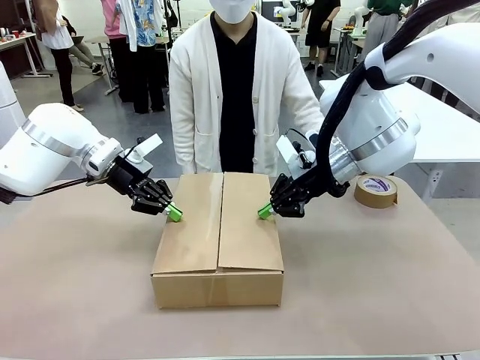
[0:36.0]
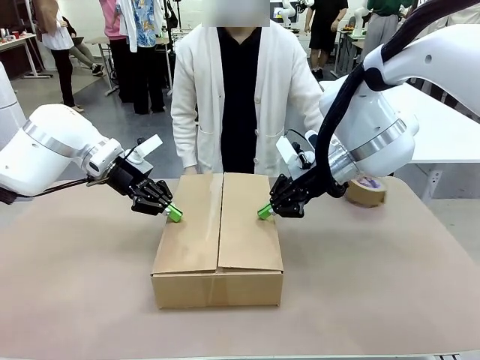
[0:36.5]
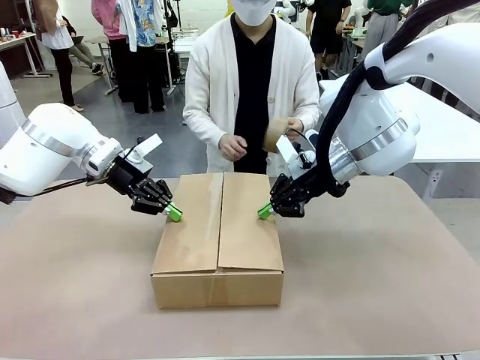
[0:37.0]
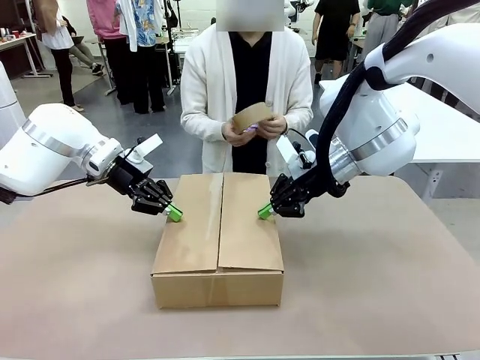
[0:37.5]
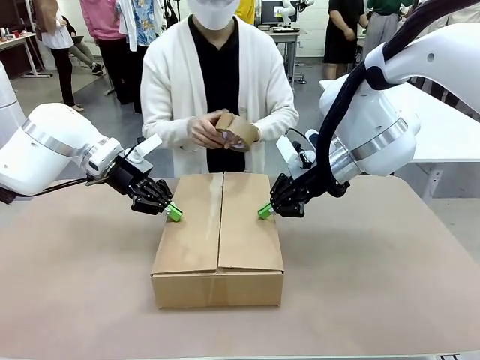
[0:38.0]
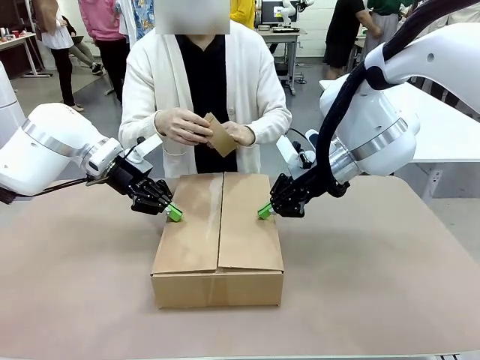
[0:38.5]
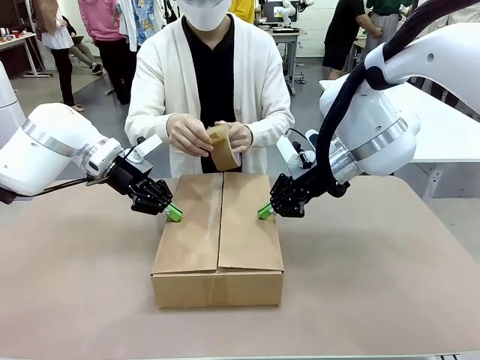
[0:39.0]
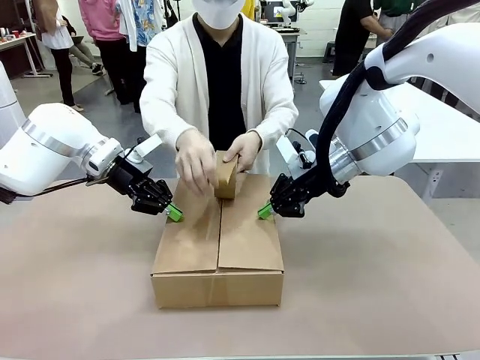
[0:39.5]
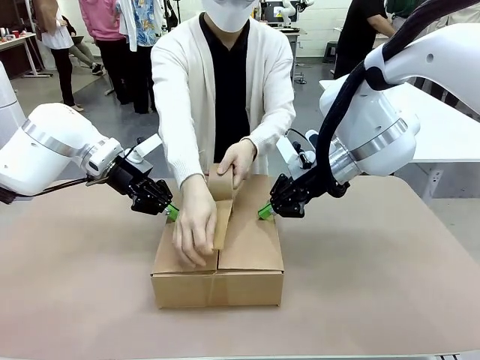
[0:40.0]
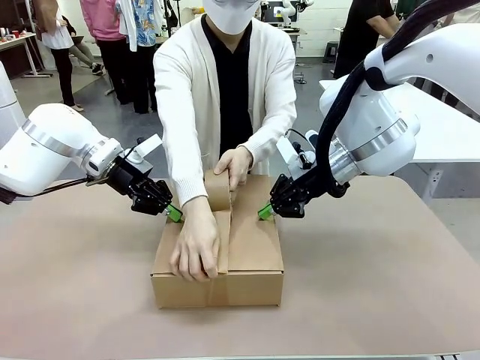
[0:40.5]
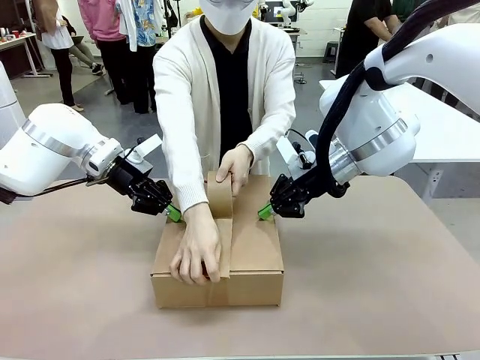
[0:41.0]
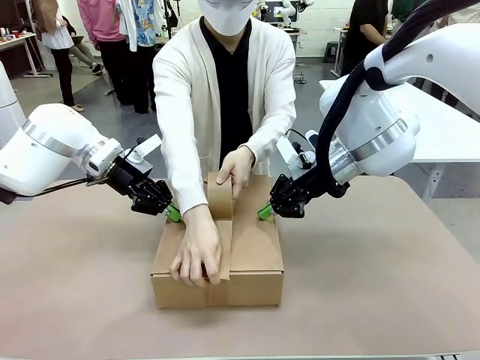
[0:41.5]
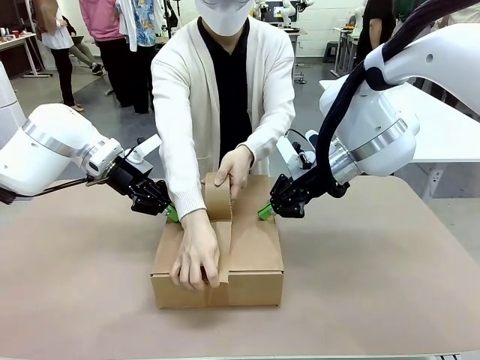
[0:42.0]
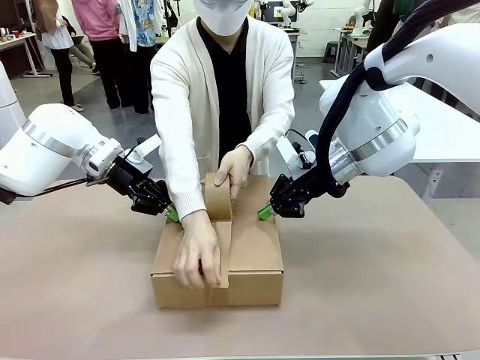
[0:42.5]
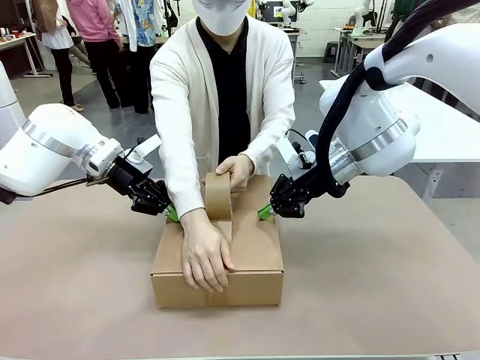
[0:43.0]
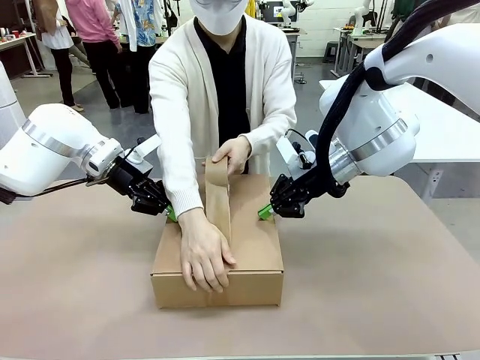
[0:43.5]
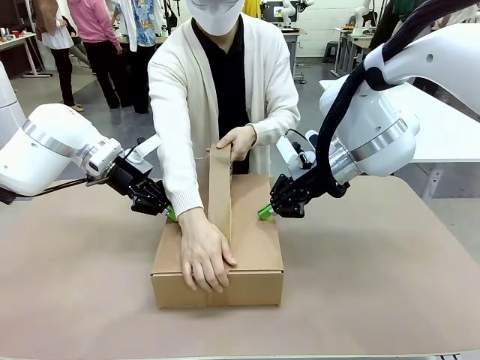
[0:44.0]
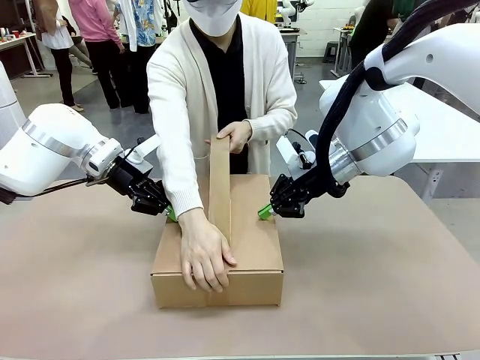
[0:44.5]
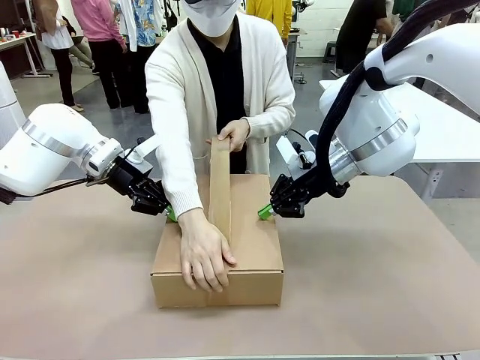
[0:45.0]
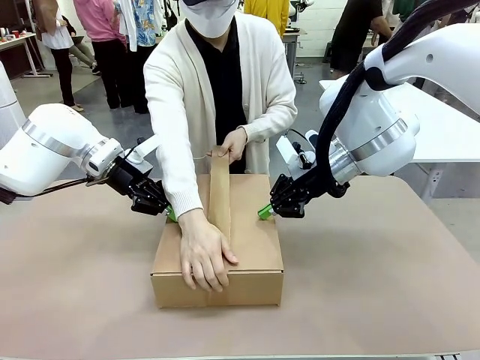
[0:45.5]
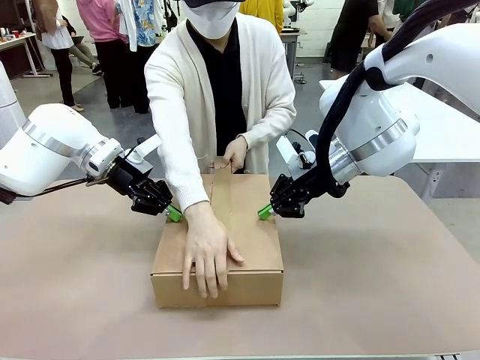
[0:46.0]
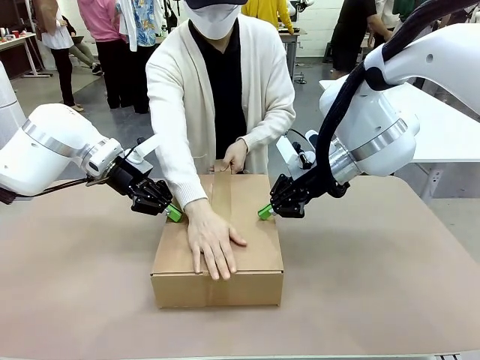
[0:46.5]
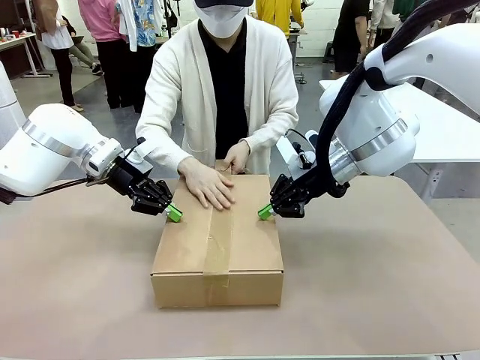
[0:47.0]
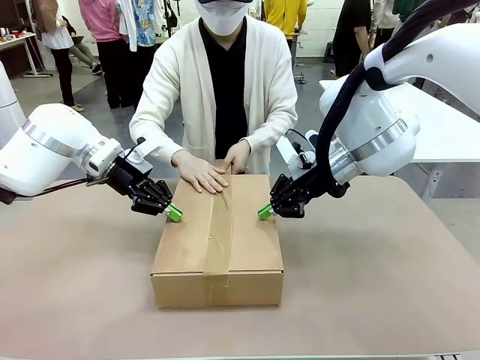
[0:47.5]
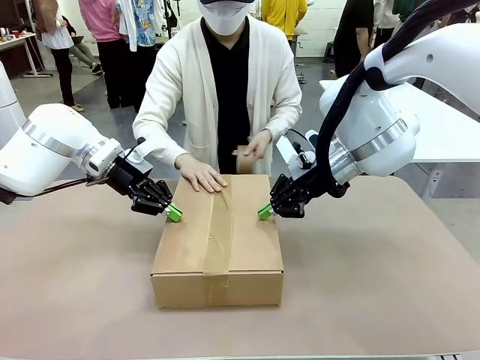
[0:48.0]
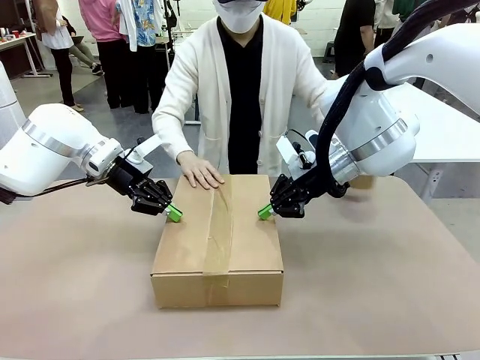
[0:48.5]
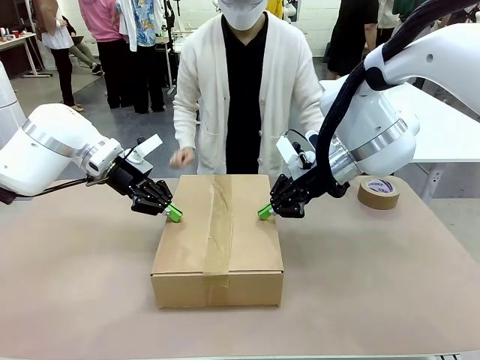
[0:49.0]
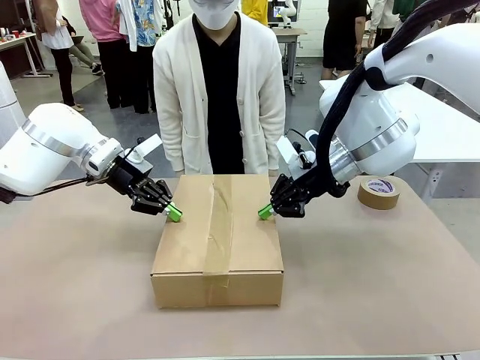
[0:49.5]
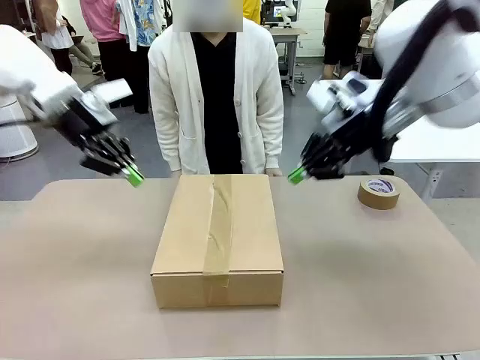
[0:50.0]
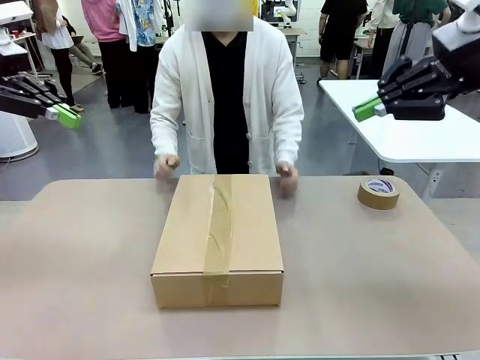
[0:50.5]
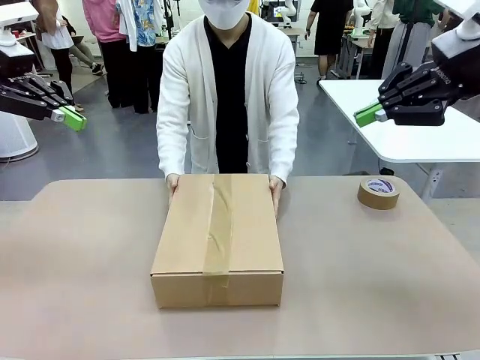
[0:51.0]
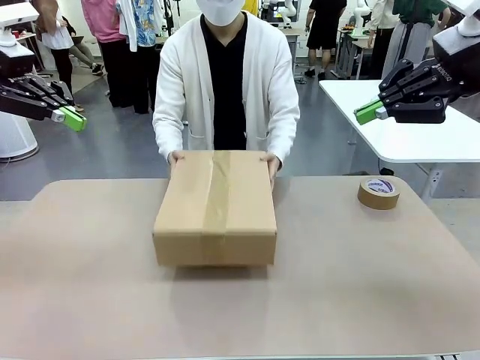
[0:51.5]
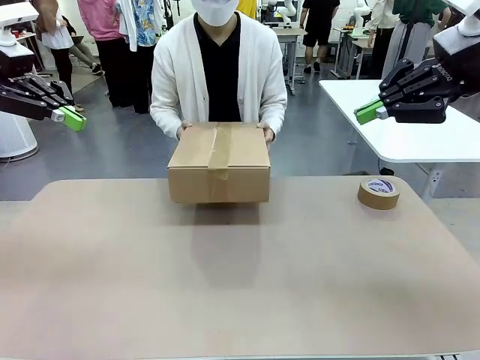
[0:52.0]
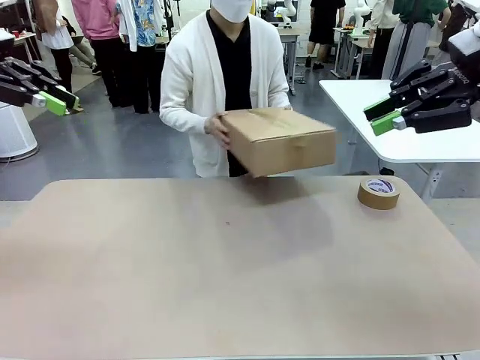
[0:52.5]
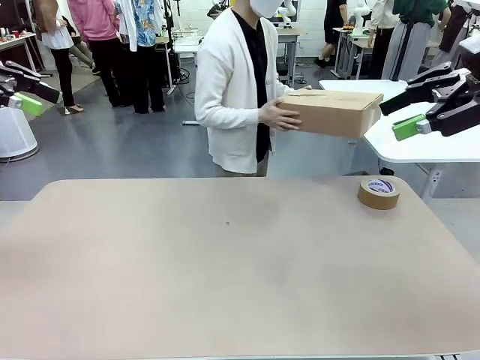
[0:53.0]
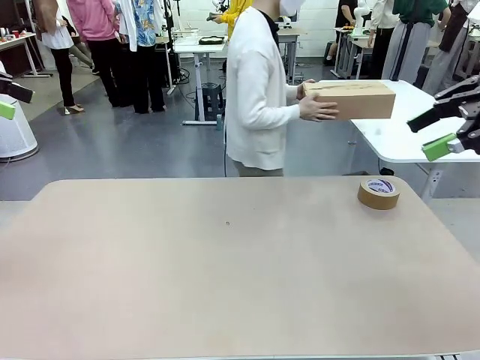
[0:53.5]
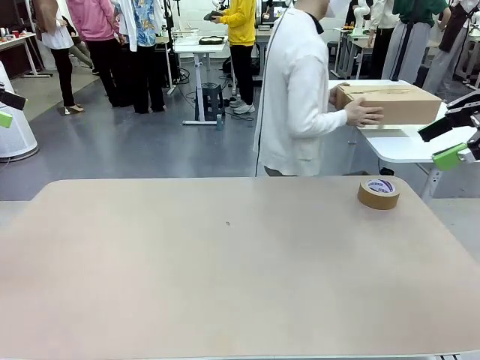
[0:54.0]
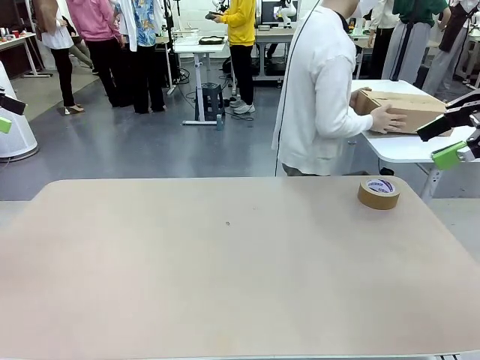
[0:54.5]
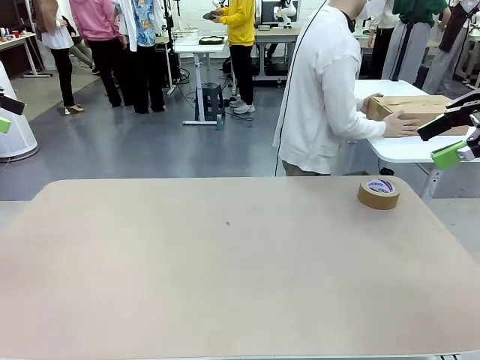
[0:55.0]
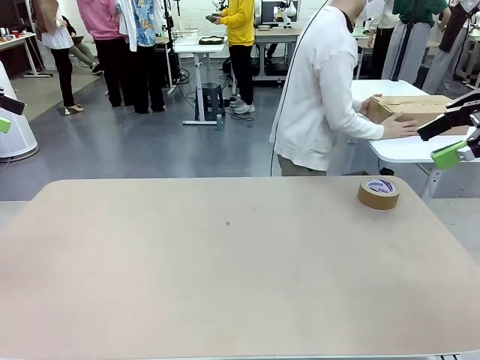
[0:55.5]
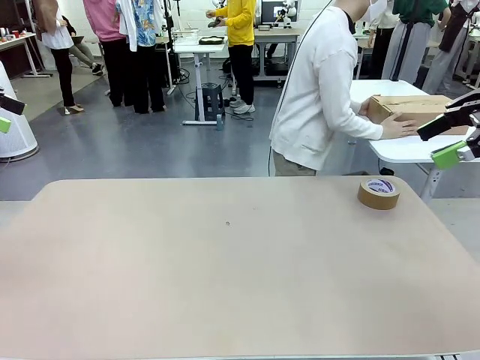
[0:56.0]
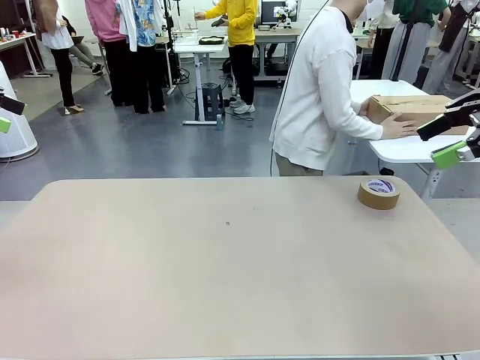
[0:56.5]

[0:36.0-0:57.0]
Task: Wrap the clocks to prevent damage.
Robot: After the human seals the box with tape, release both hands from the side flaps of the Package Box.
Person: Once the robot closes the left flap of the Package Box , seal the box with Paper Tape. Place sealed Package Box in the middle of the human's table.
